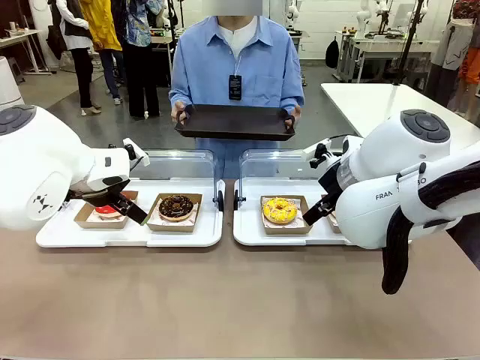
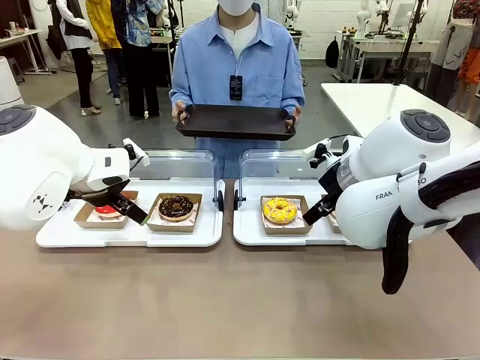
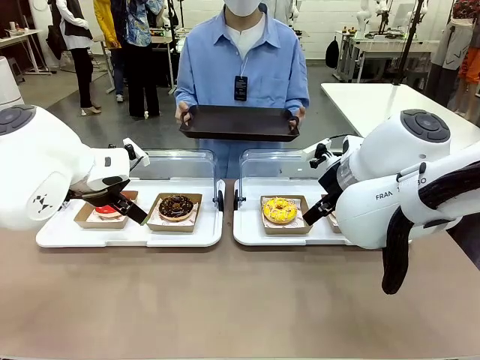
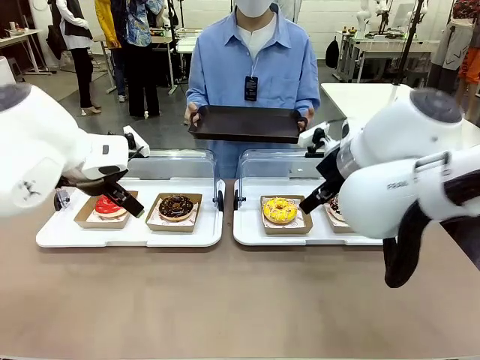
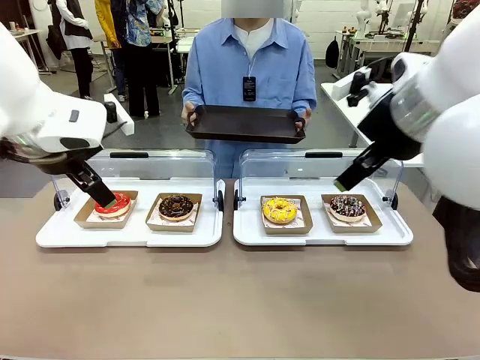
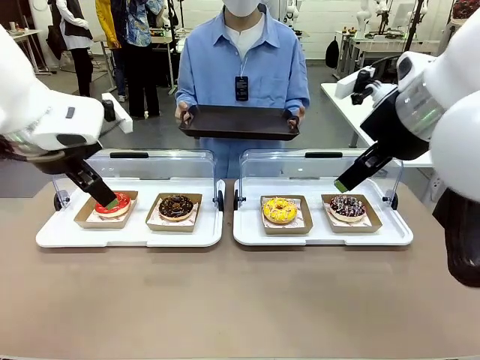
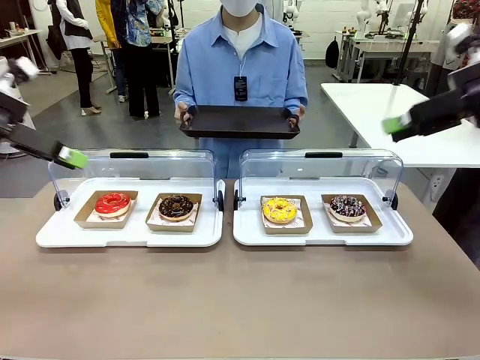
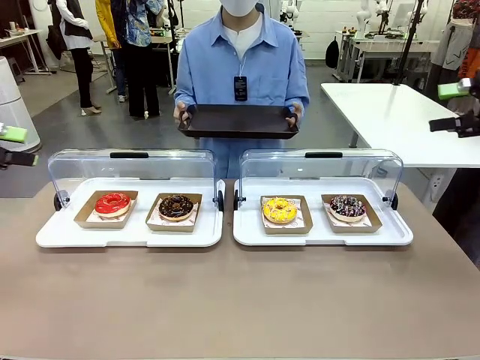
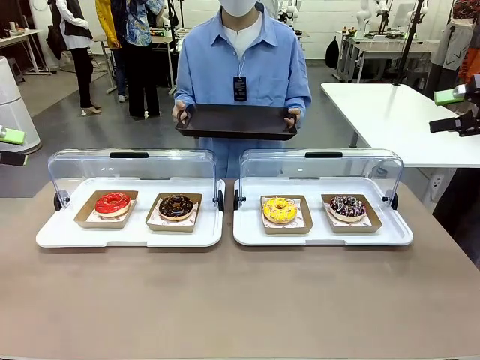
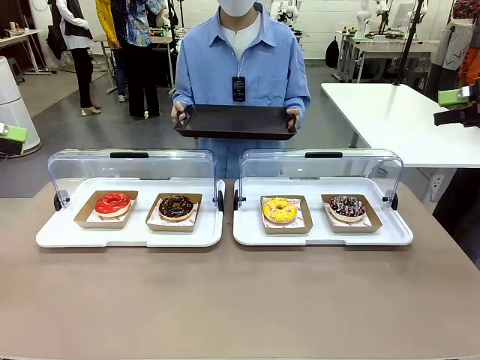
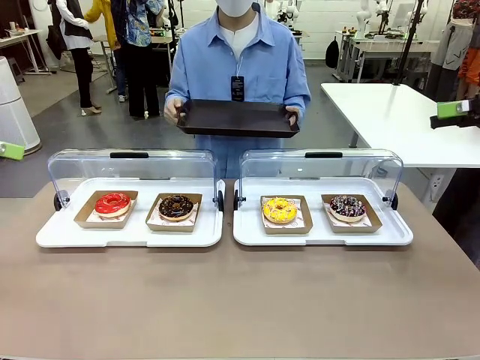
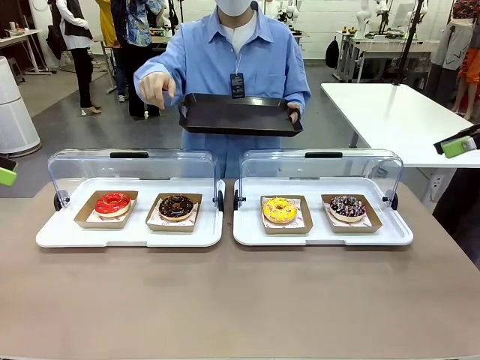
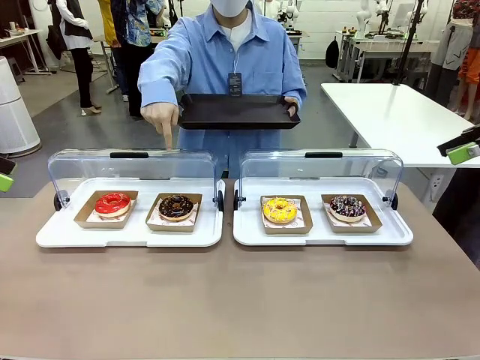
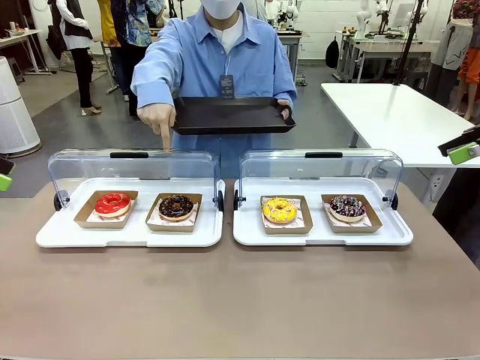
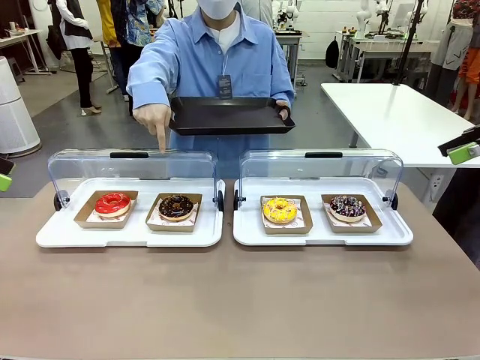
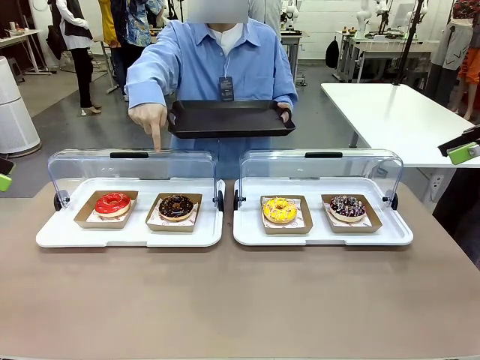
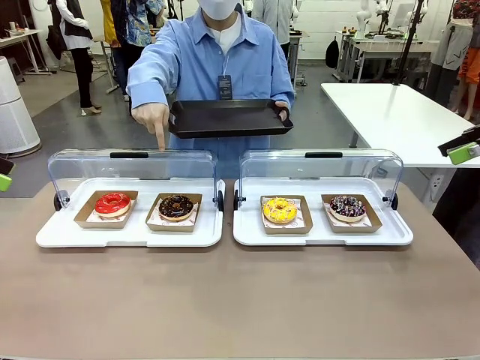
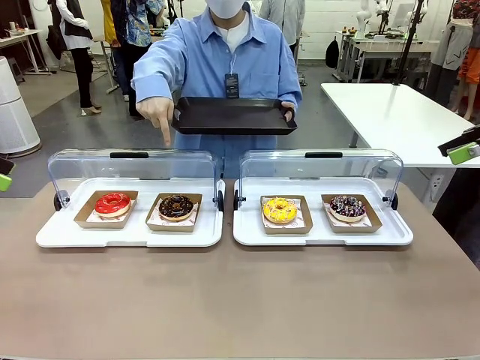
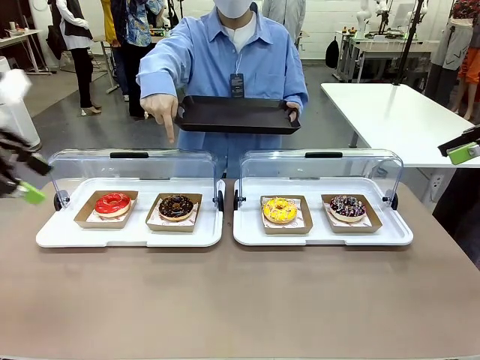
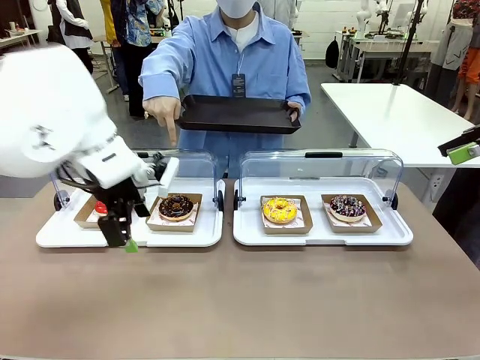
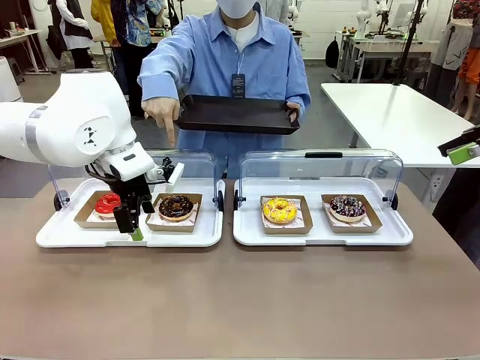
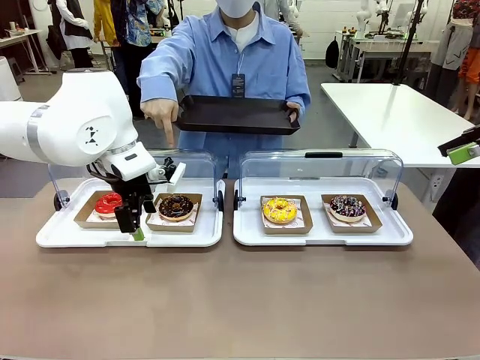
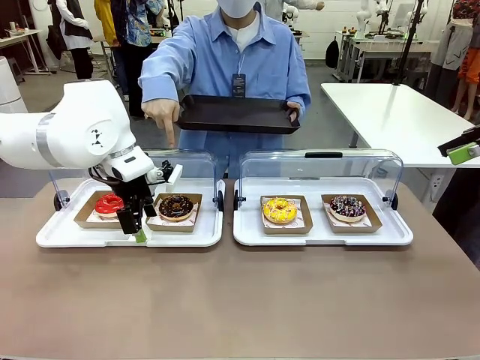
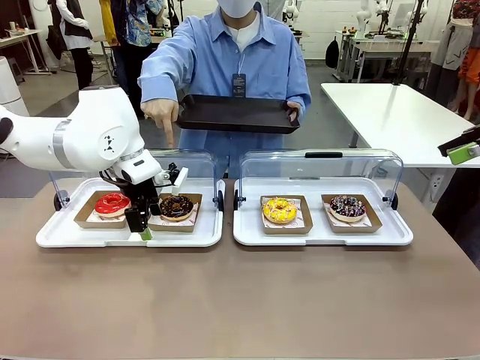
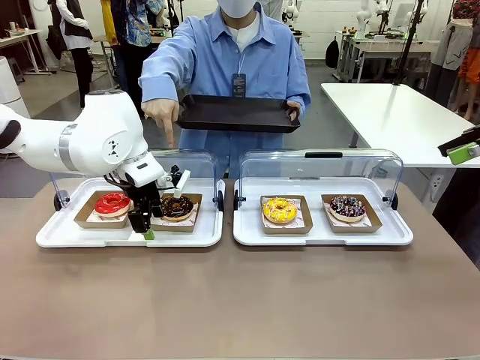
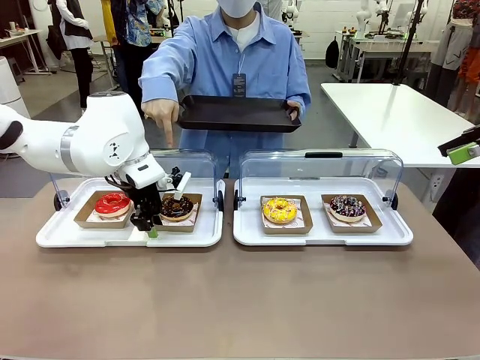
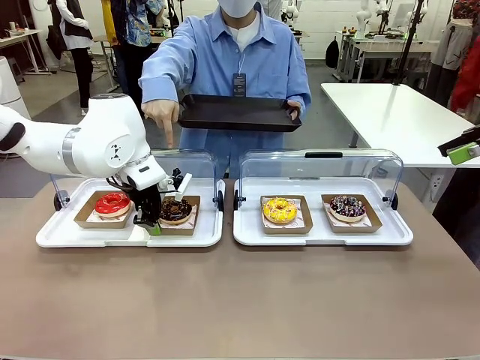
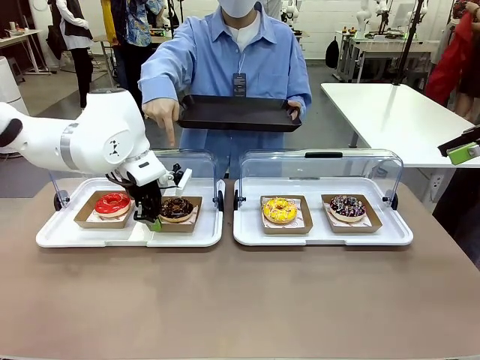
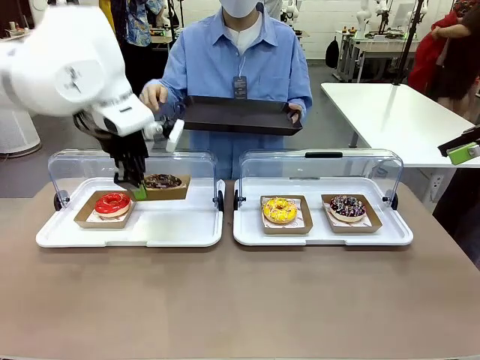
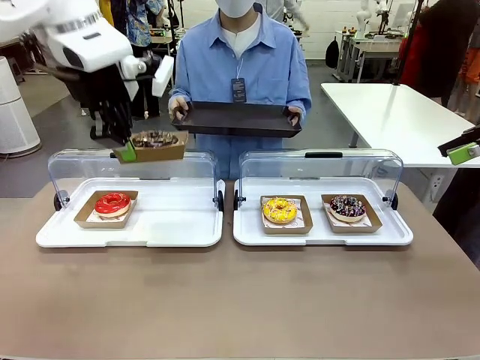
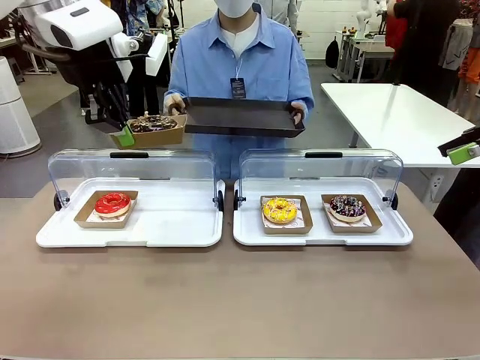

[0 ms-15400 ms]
Task: Provide the desired donut to the person.
Robot: Pick up and lift the Paper togo box containing the Donut pointed at by the person.
Person: Point to one donut. Lift the tray onto the Roll-Top Bakery Case.

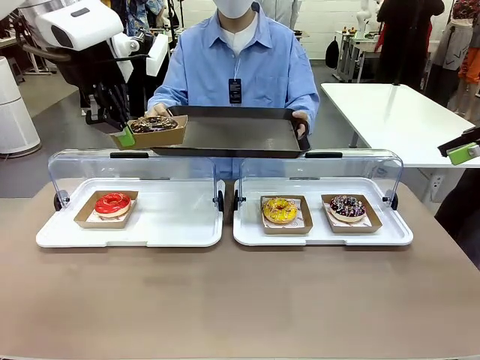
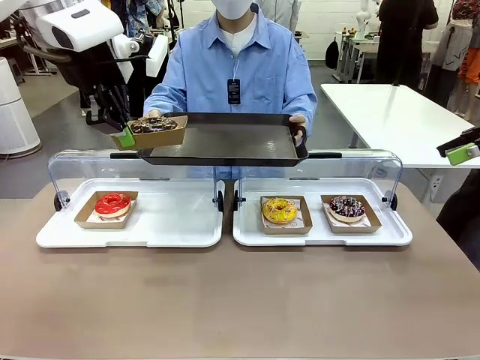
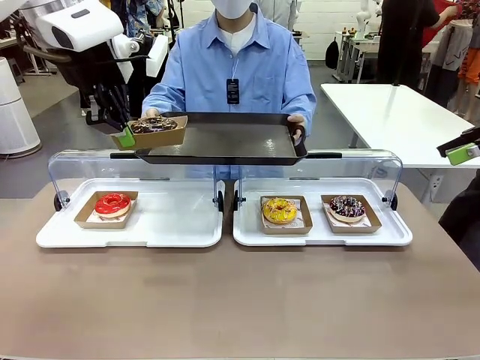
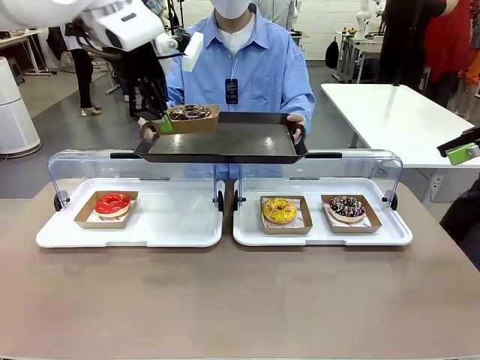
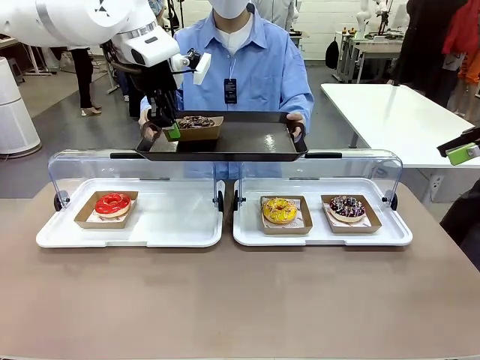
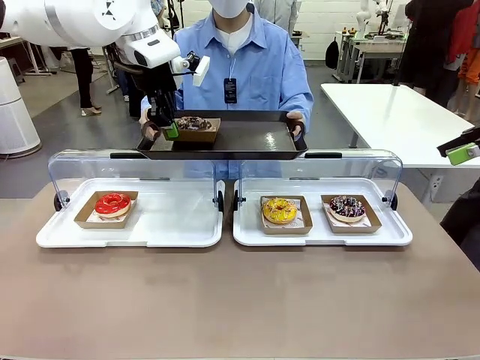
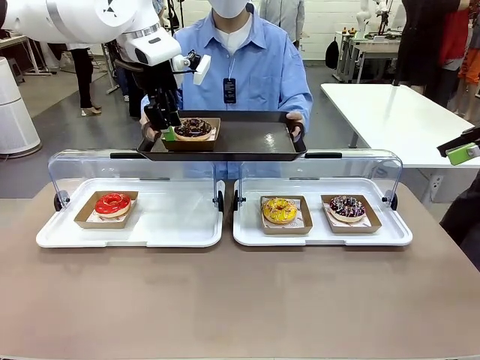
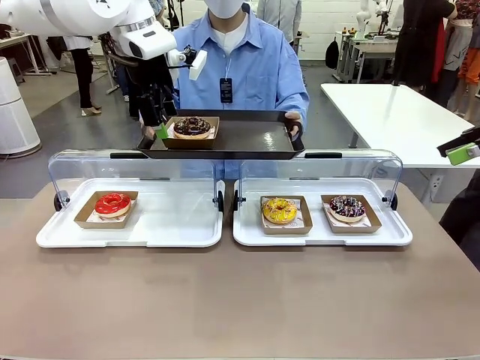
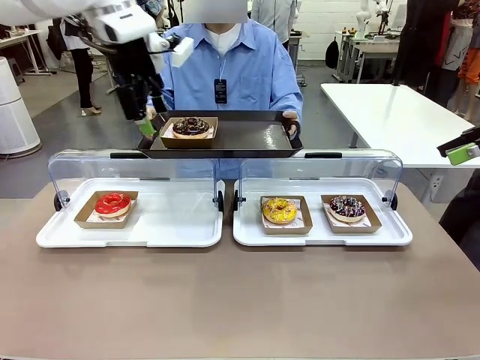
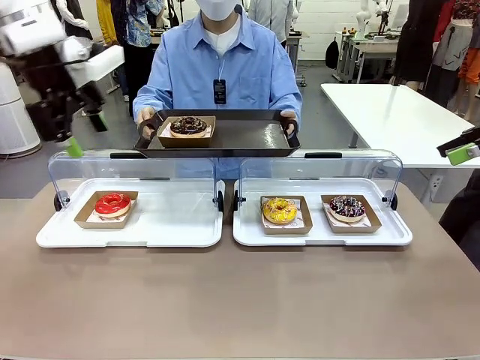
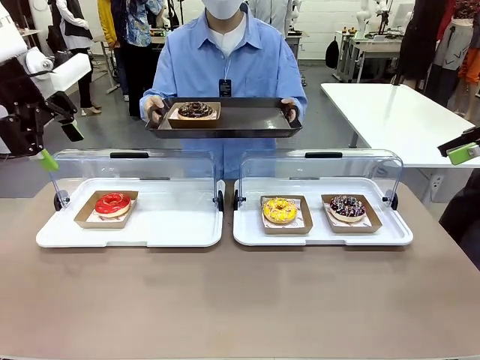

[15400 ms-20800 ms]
Robot: Place the picked Paper togo box onto the Handle tray extended by the person.

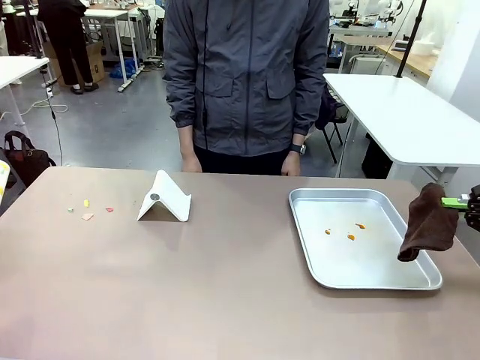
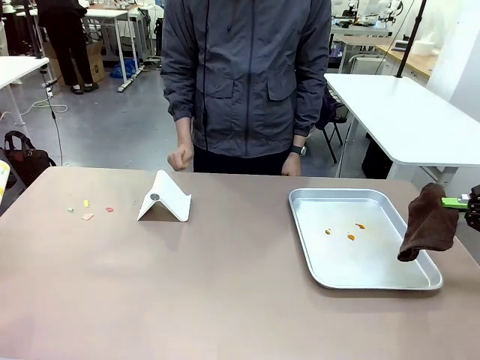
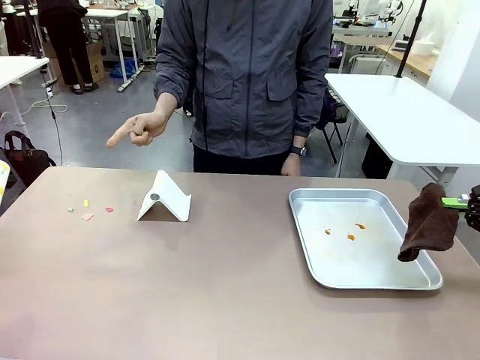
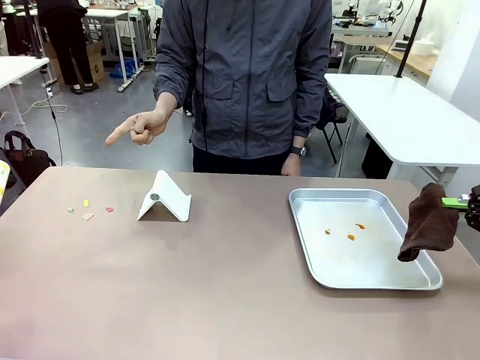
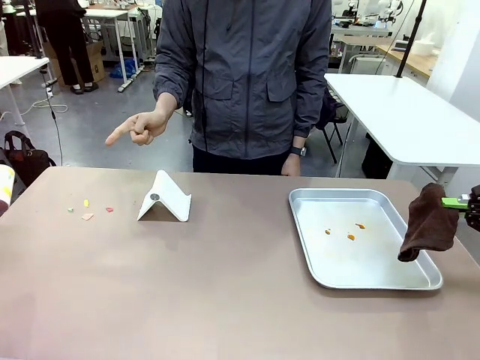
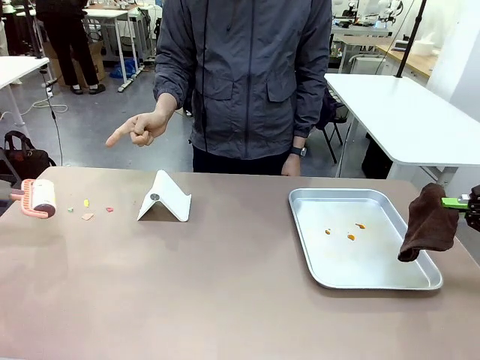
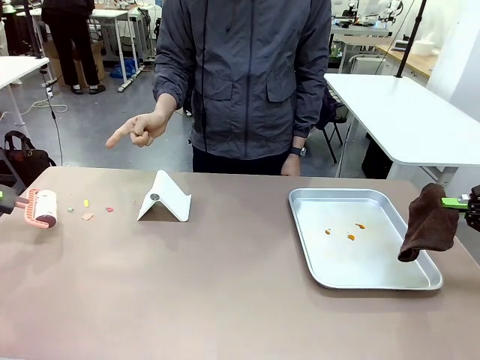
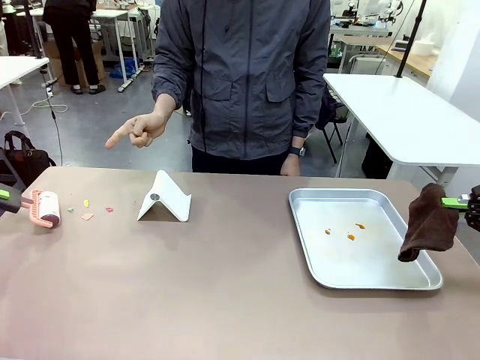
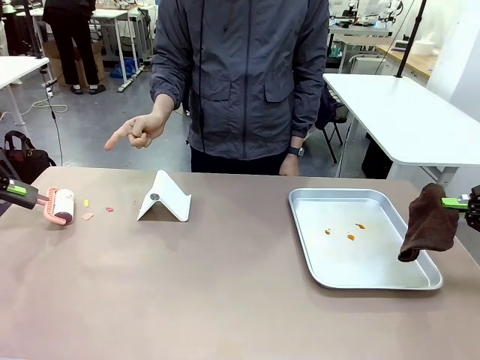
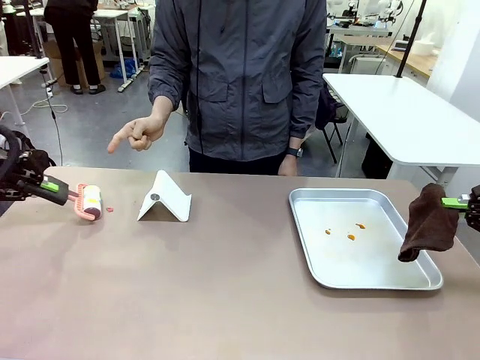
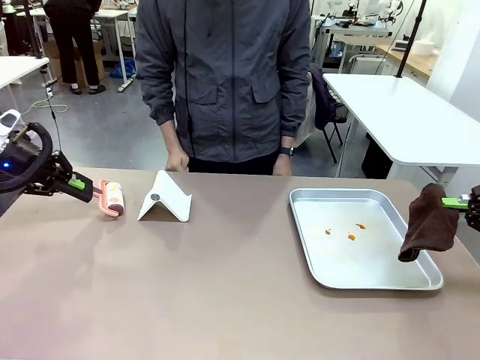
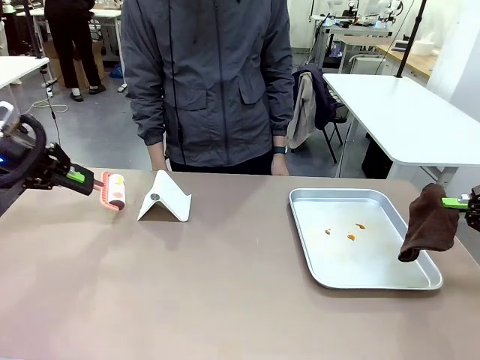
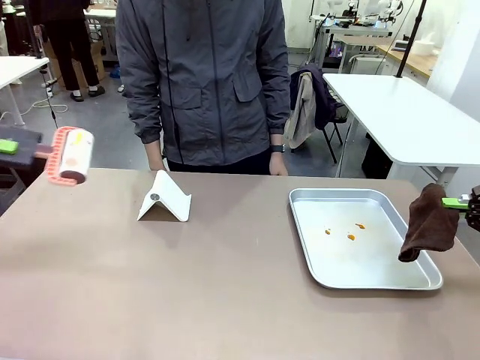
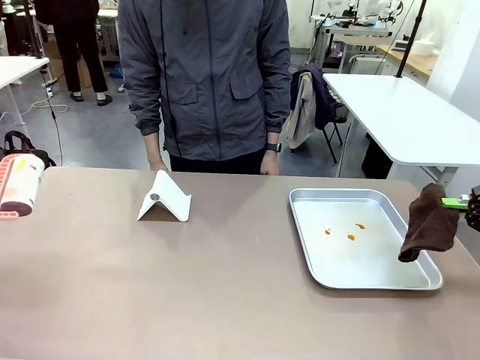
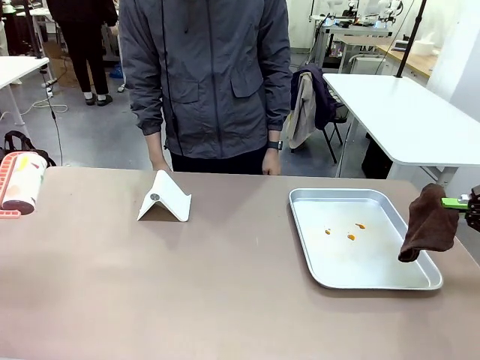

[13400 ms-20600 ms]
Task: Clean the surface of the table.
Robot: If a person points to the right, clean the right side of the table with your right hand, and if they point to the left, clean the left side with your left hand.
